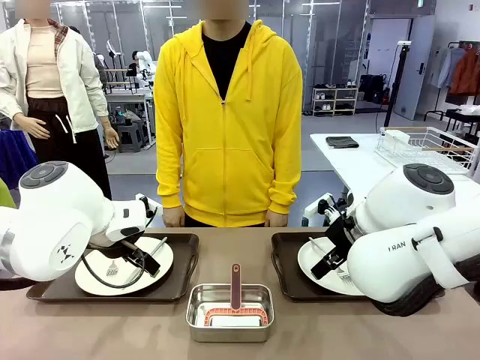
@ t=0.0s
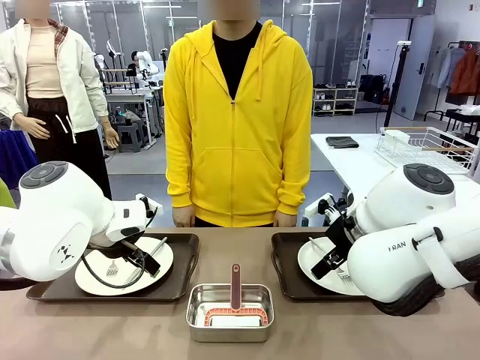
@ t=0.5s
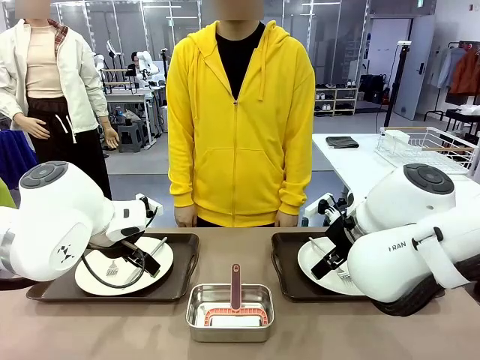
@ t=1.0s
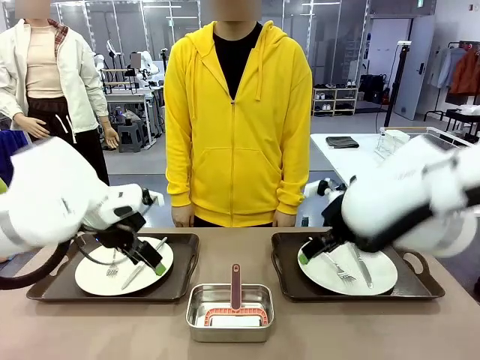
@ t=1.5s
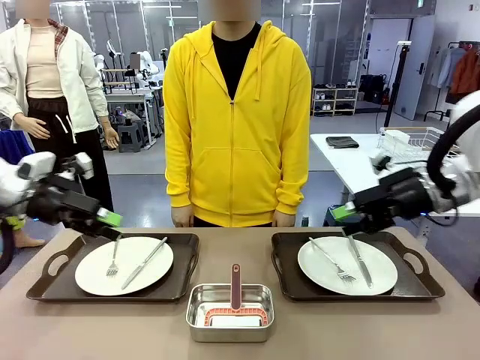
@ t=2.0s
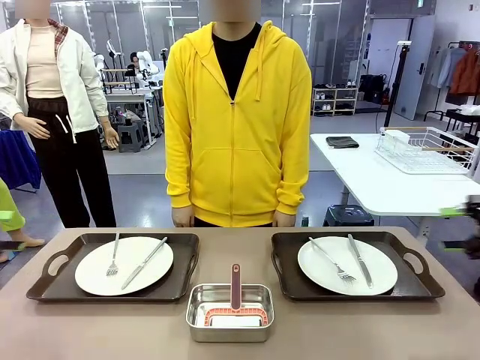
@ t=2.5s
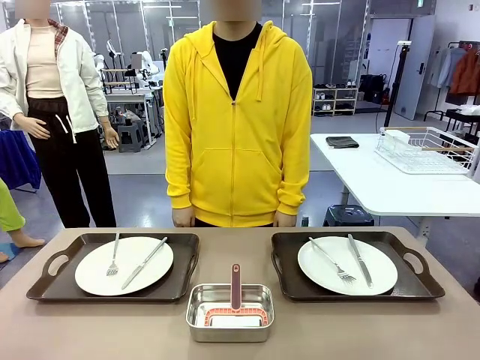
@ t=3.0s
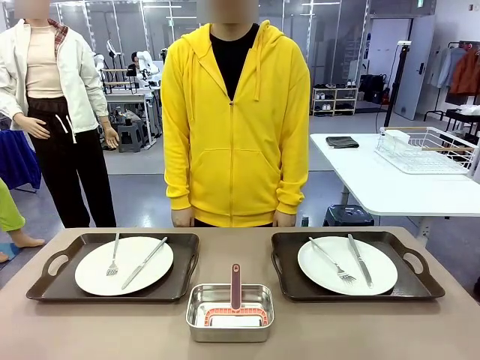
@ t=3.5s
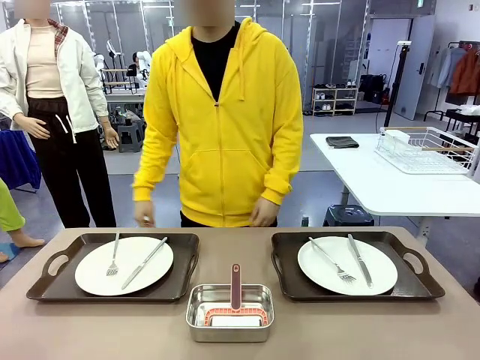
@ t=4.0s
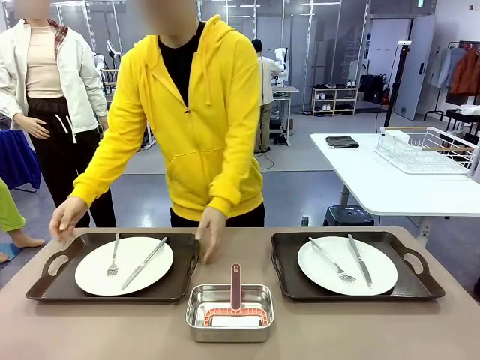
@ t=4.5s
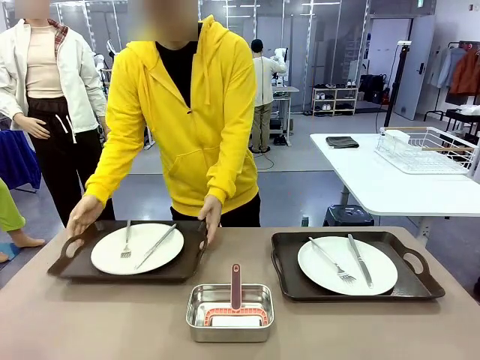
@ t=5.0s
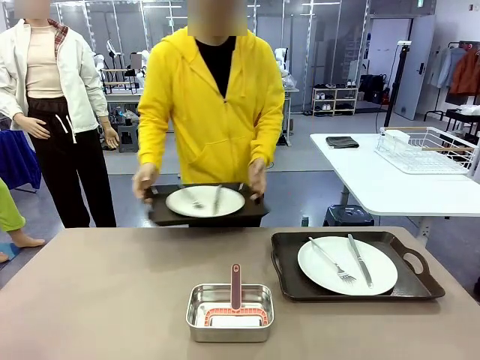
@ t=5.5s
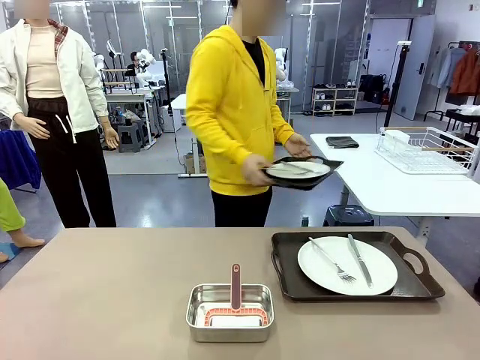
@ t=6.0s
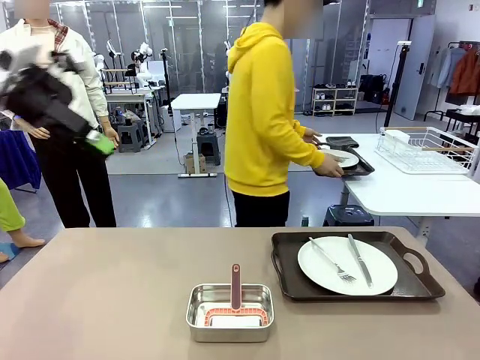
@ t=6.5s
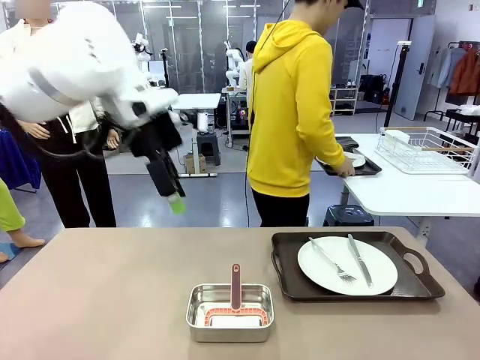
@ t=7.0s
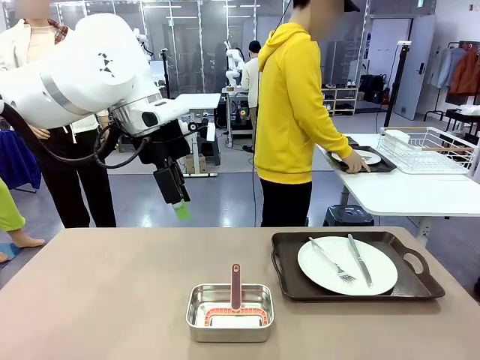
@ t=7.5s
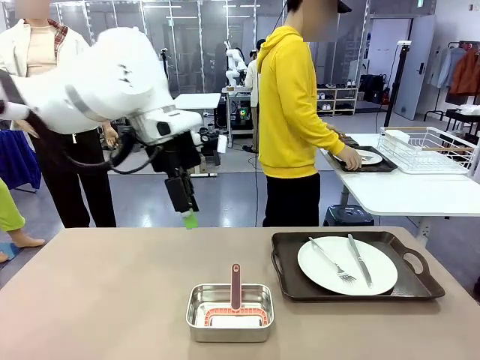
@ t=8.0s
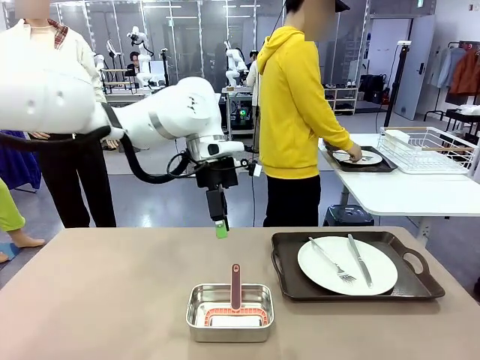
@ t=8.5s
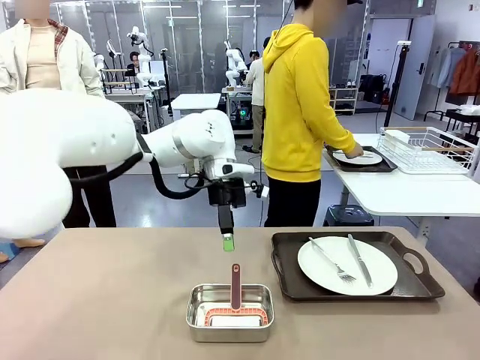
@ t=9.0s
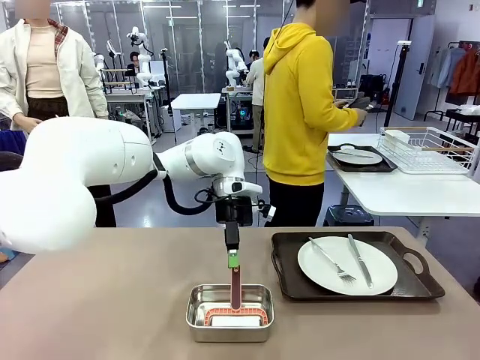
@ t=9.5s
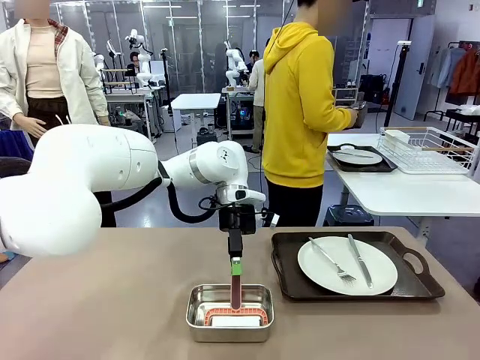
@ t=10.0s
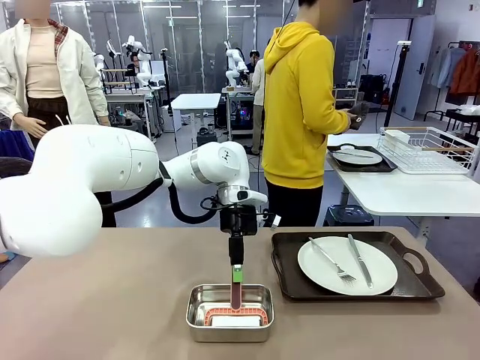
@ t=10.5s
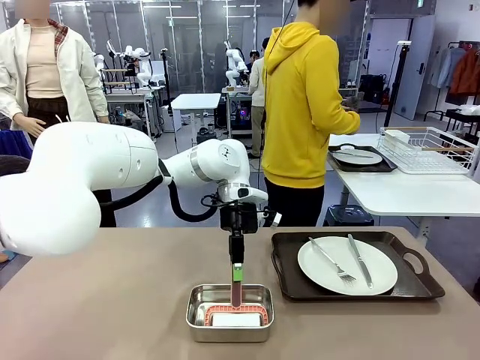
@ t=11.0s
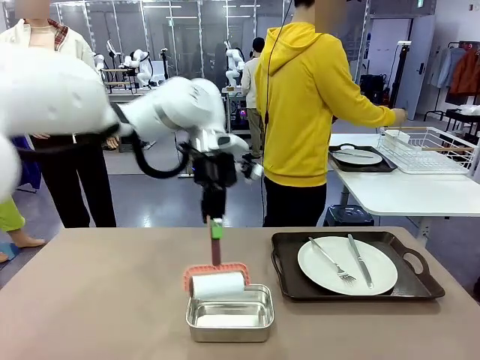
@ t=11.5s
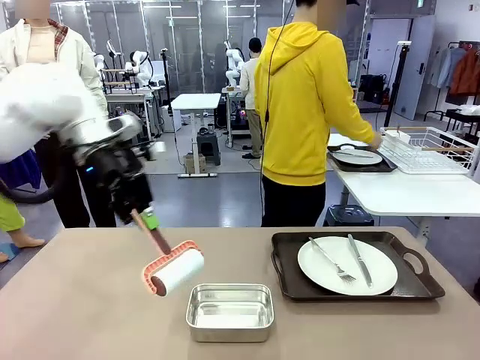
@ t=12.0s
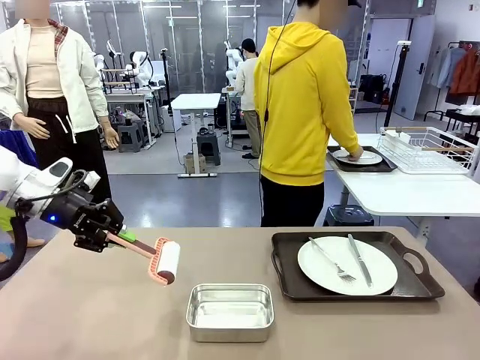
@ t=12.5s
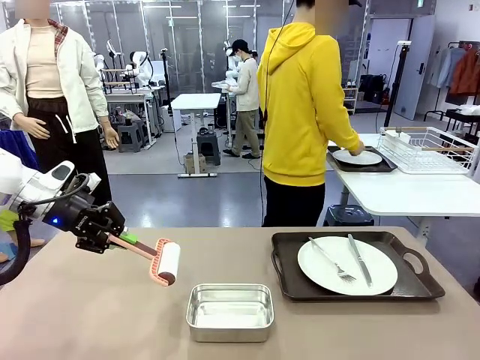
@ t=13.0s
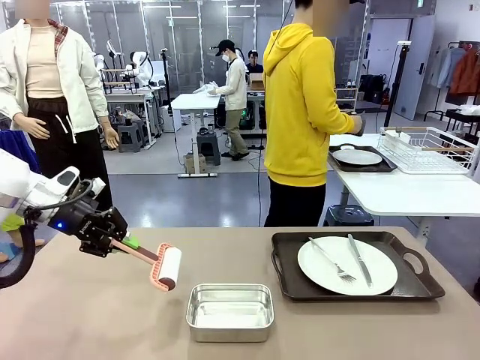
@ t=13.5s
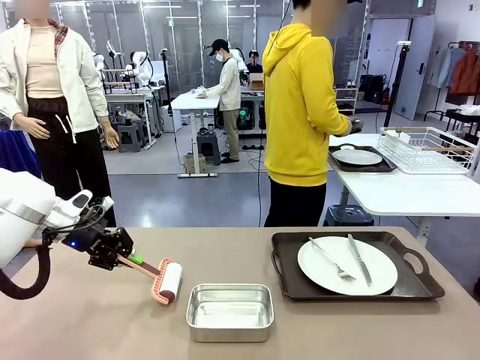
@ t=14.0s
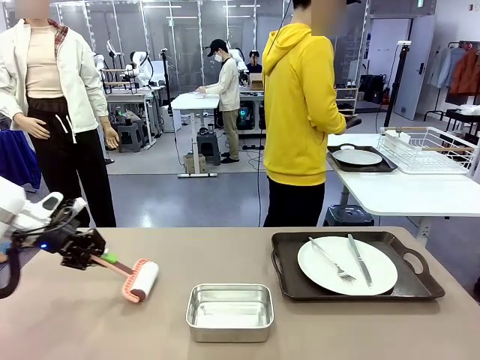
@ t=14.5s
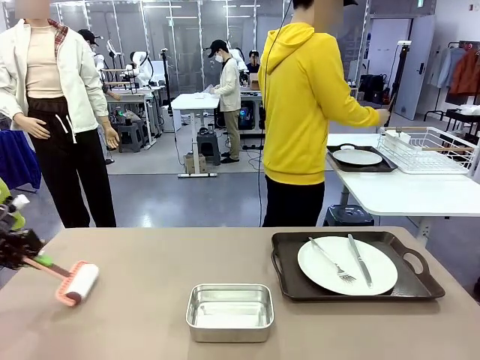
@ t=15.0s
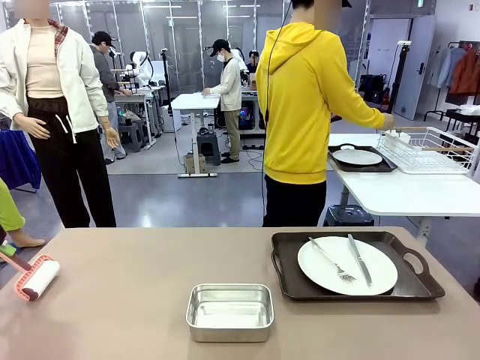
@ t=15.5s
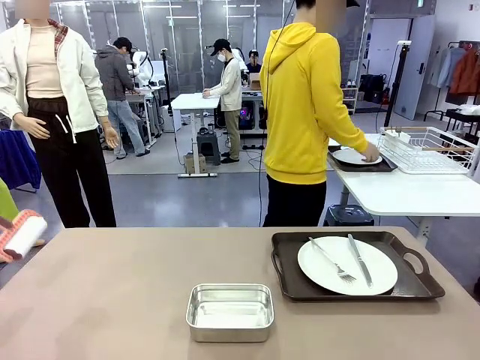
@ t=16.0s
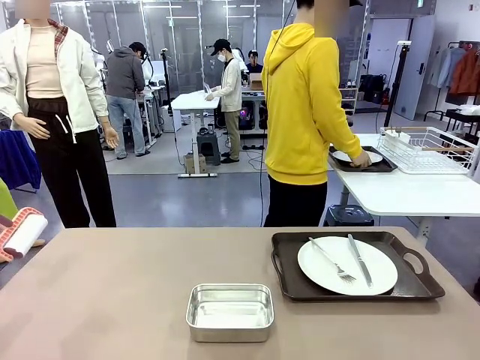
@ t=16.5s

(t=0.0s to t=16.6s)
Robot: When the left (or right) Handle tray is removed, use the left hand (or right hand) to clean the left (or right) side of the table with the Lint Roller.
Person: Pick up the left (or right) Handle tray and place it on the middle of the Human's table. Use the Towel with hook to wipe the Plastic Matte Plate , Fork , and Knife and place into the Dish drying rack.

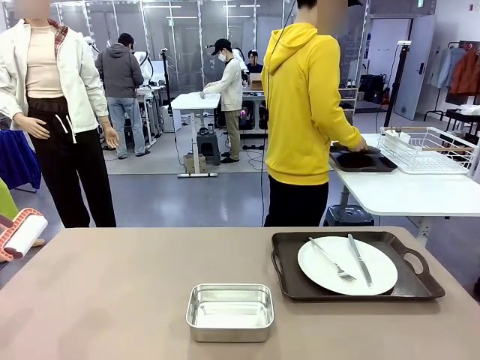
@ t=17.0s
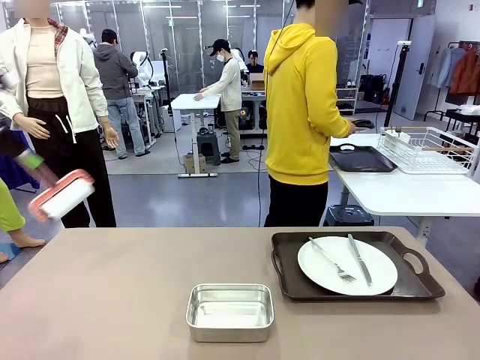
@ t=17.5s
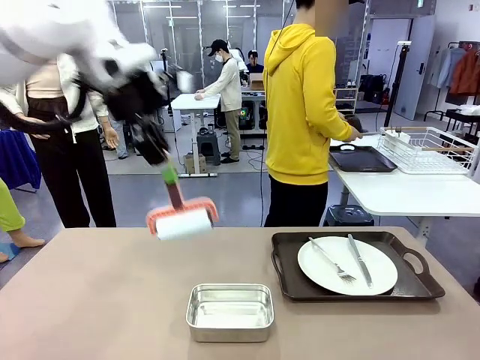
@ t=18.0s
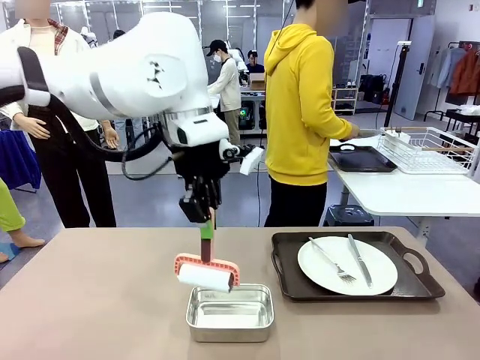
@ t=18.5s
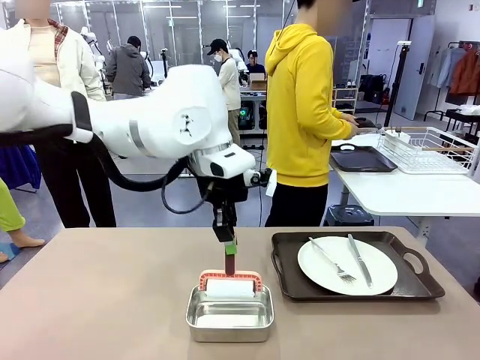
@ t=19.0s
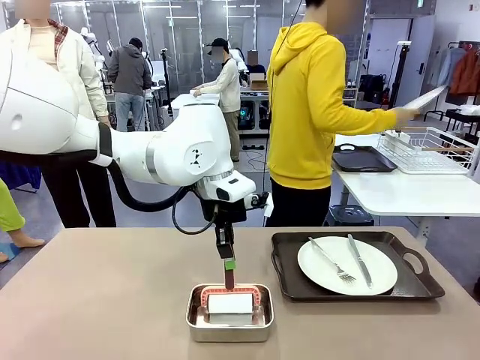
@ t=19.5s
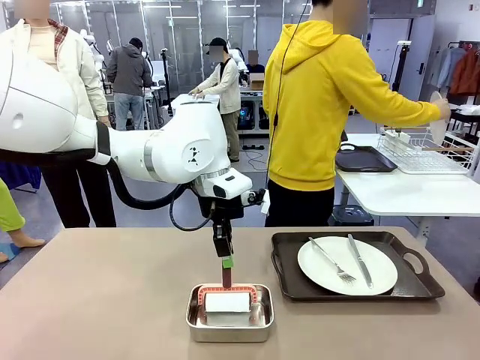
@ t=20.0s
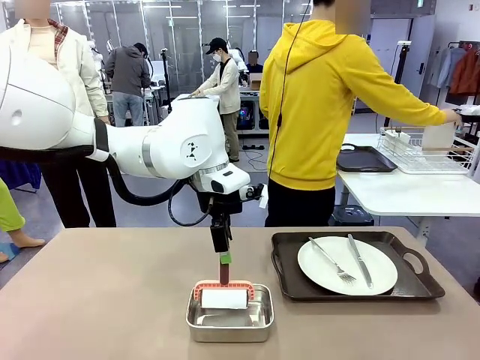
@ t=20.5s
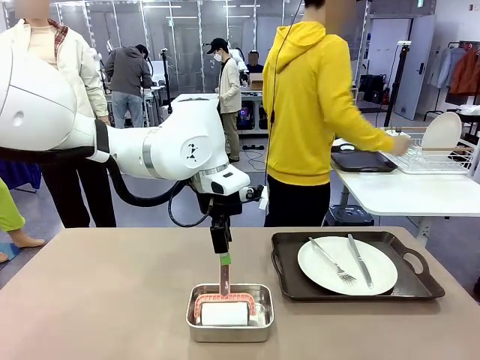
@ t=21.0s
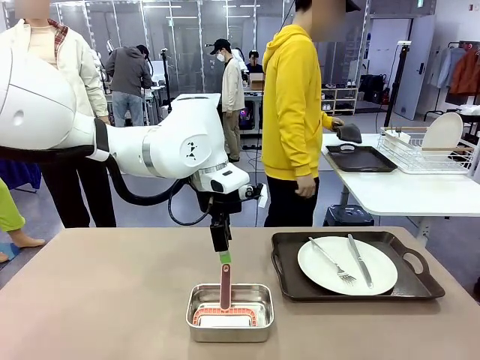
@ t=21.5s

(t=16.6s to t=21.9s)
Robot: Place the Lint Roller back on top of the Airtight Container.
